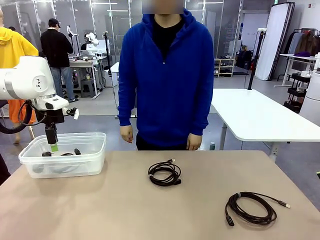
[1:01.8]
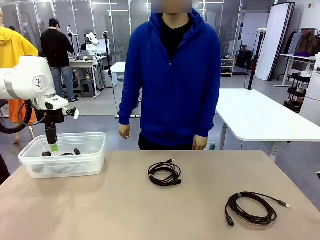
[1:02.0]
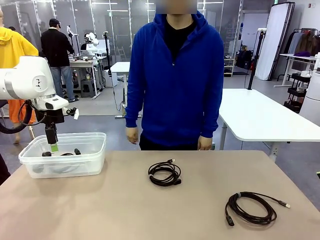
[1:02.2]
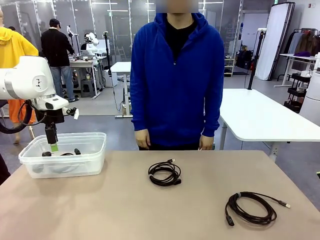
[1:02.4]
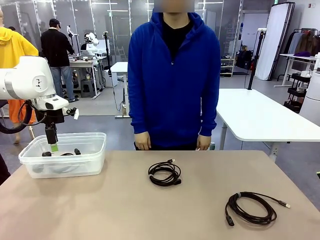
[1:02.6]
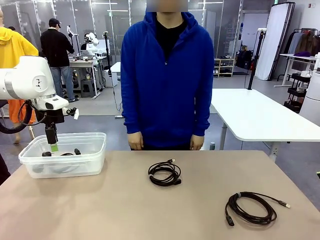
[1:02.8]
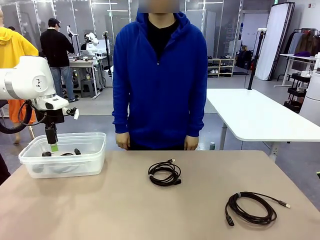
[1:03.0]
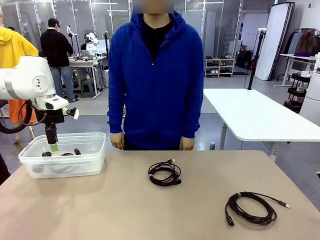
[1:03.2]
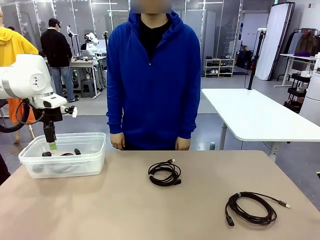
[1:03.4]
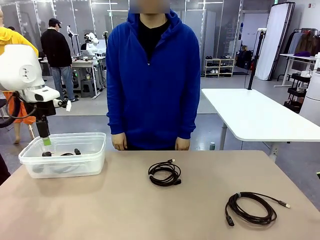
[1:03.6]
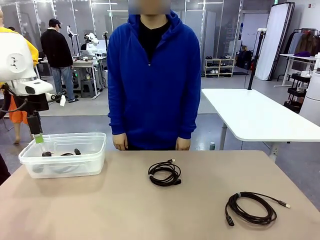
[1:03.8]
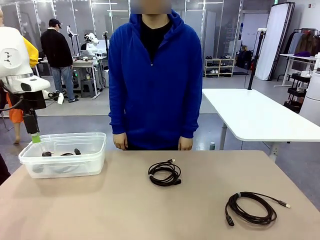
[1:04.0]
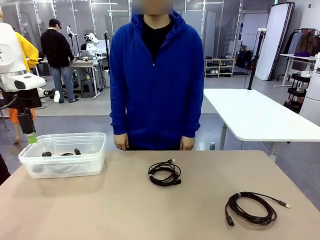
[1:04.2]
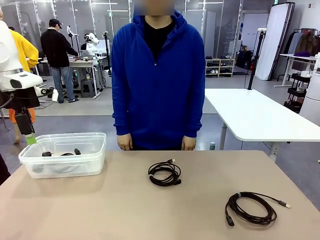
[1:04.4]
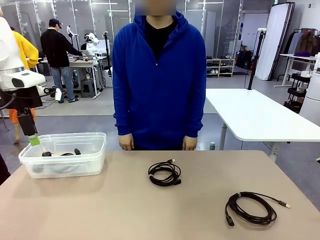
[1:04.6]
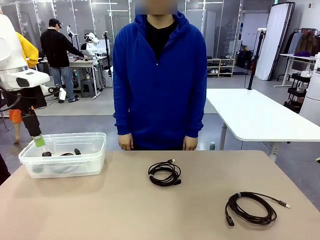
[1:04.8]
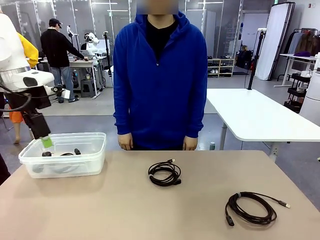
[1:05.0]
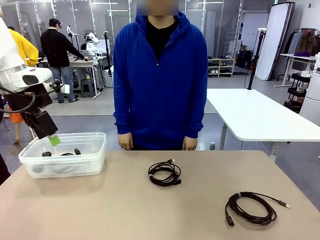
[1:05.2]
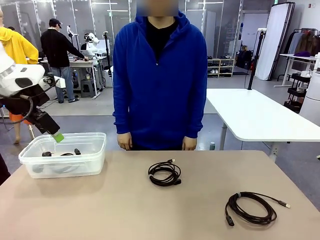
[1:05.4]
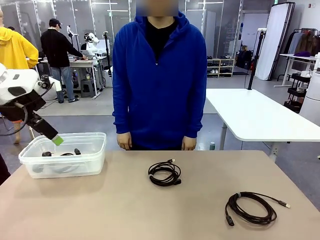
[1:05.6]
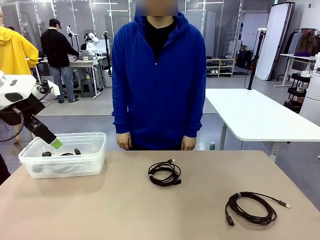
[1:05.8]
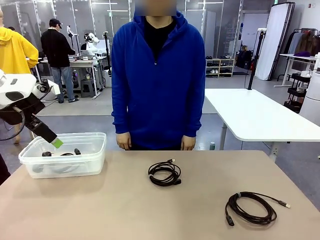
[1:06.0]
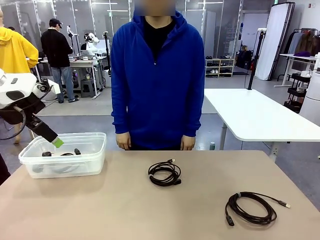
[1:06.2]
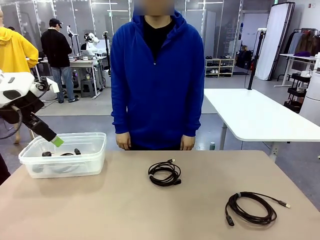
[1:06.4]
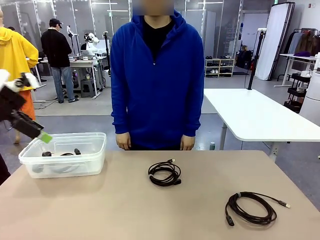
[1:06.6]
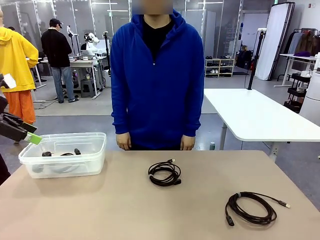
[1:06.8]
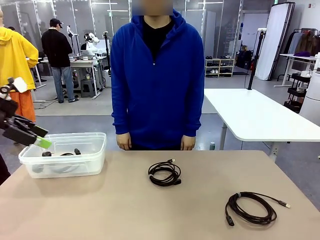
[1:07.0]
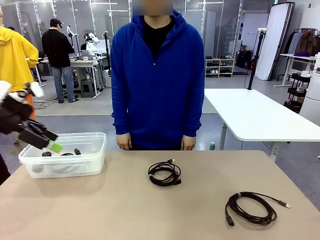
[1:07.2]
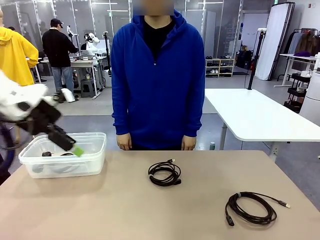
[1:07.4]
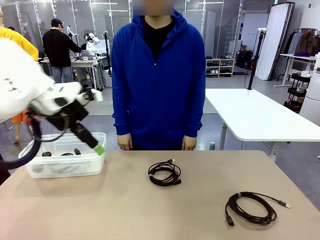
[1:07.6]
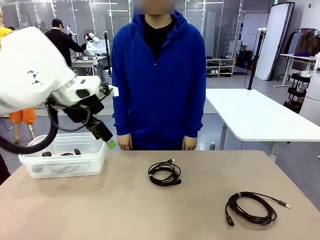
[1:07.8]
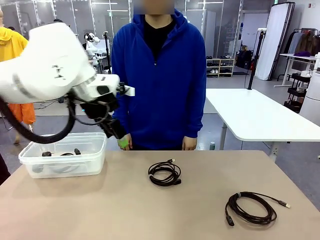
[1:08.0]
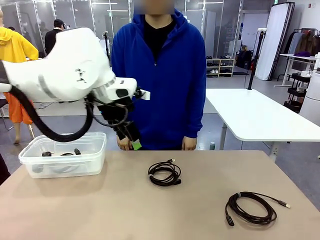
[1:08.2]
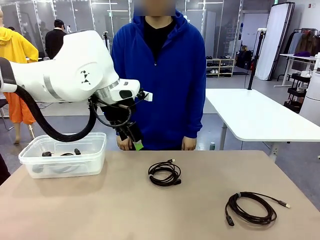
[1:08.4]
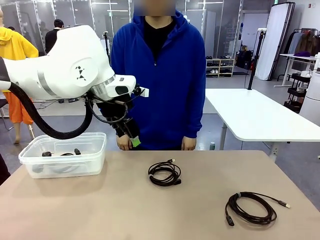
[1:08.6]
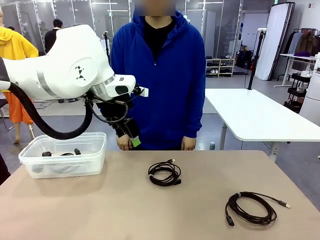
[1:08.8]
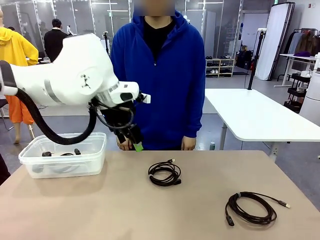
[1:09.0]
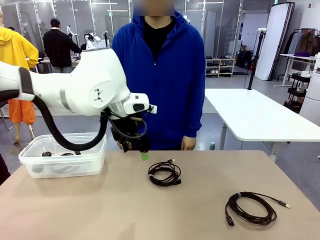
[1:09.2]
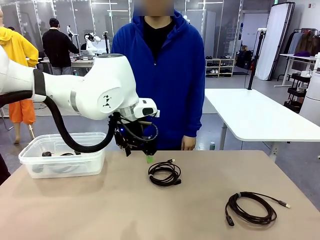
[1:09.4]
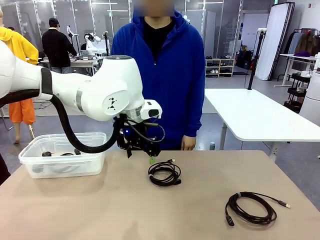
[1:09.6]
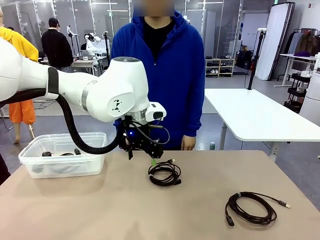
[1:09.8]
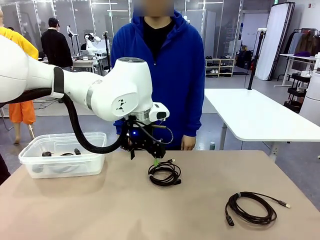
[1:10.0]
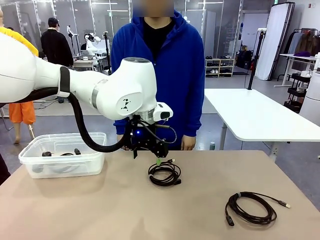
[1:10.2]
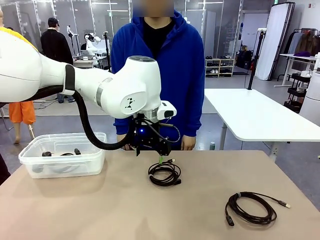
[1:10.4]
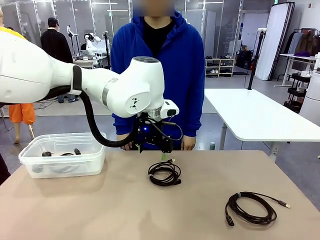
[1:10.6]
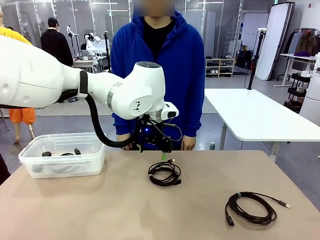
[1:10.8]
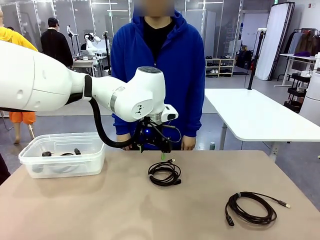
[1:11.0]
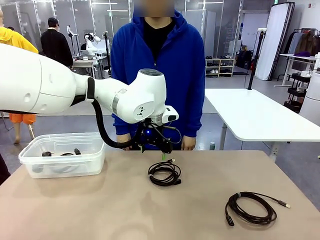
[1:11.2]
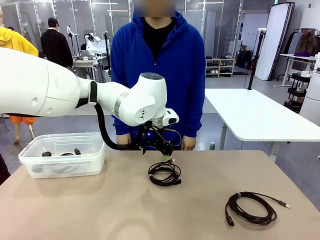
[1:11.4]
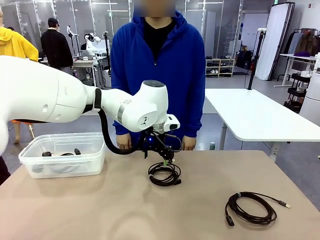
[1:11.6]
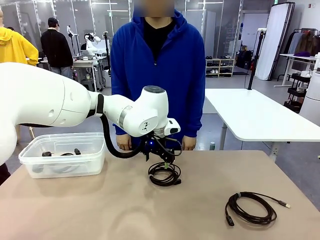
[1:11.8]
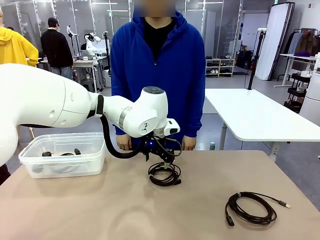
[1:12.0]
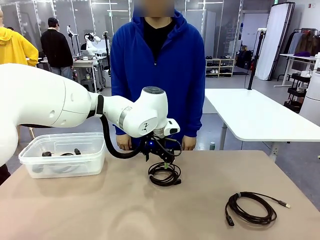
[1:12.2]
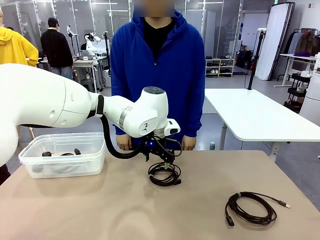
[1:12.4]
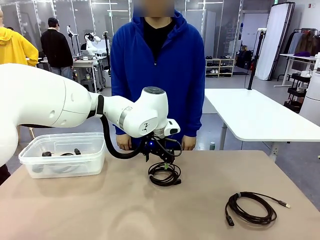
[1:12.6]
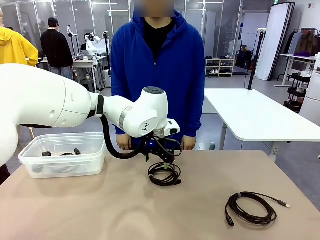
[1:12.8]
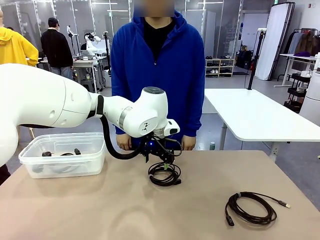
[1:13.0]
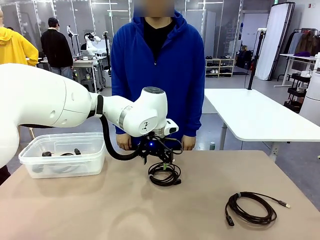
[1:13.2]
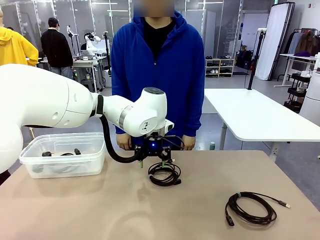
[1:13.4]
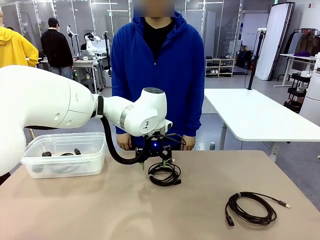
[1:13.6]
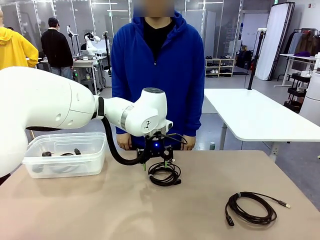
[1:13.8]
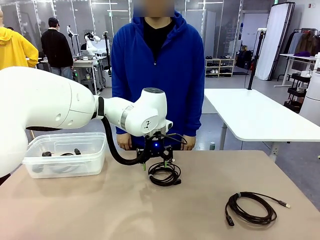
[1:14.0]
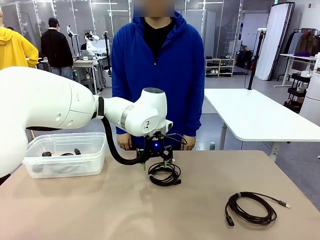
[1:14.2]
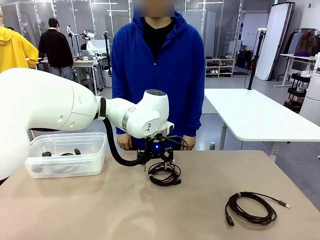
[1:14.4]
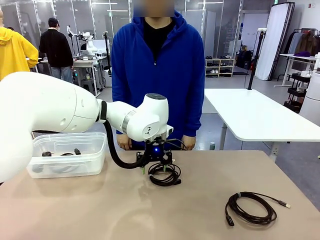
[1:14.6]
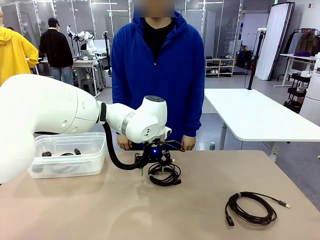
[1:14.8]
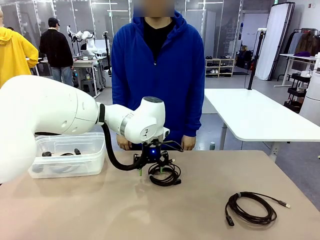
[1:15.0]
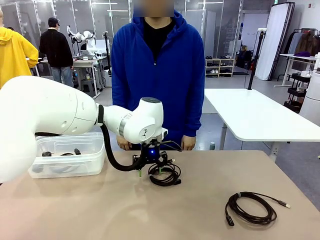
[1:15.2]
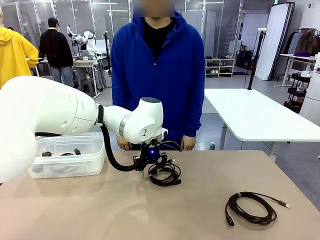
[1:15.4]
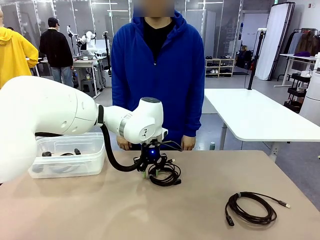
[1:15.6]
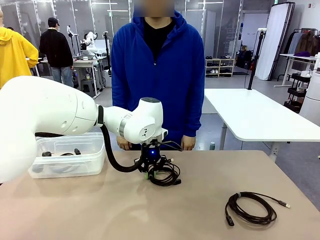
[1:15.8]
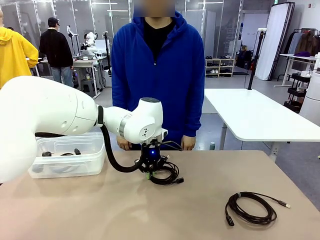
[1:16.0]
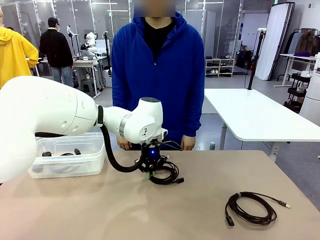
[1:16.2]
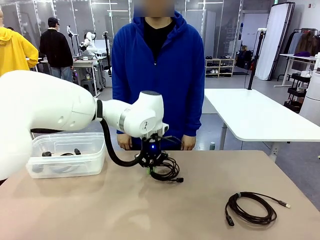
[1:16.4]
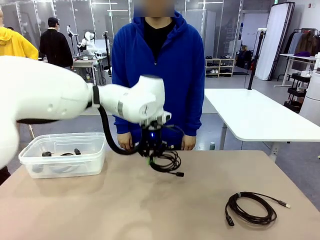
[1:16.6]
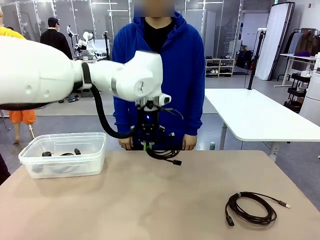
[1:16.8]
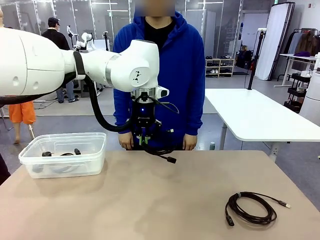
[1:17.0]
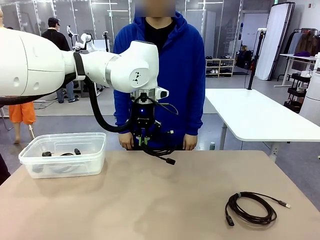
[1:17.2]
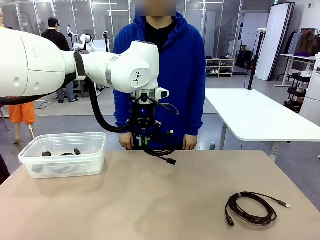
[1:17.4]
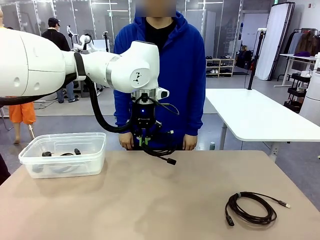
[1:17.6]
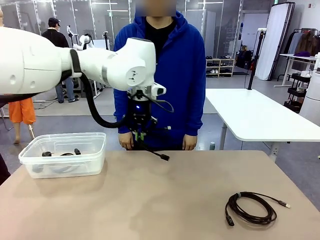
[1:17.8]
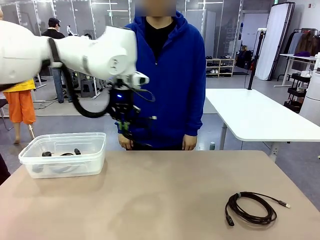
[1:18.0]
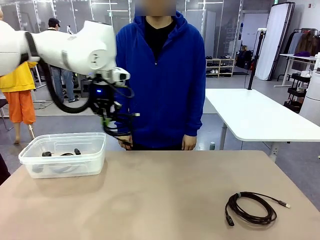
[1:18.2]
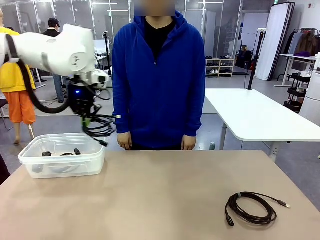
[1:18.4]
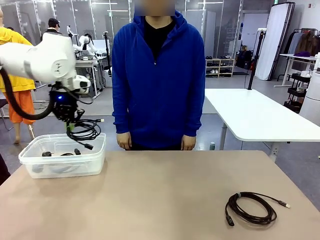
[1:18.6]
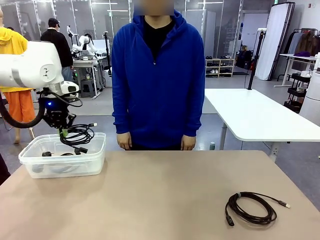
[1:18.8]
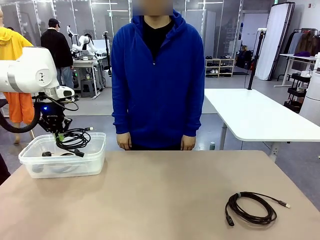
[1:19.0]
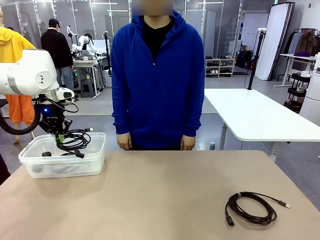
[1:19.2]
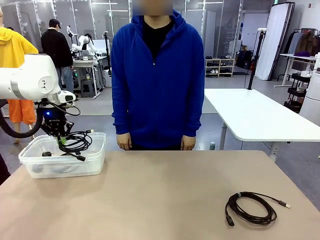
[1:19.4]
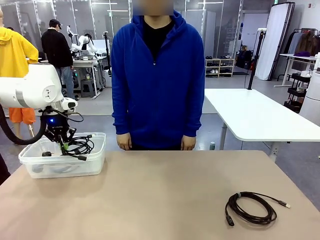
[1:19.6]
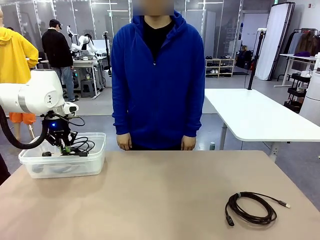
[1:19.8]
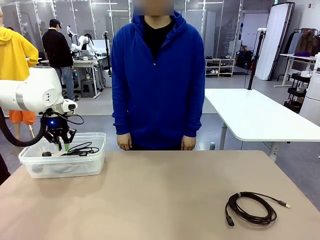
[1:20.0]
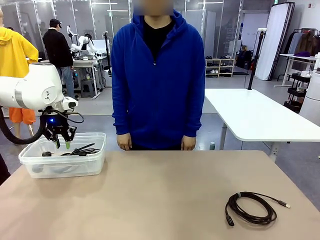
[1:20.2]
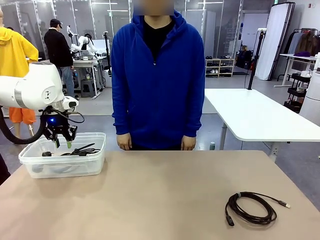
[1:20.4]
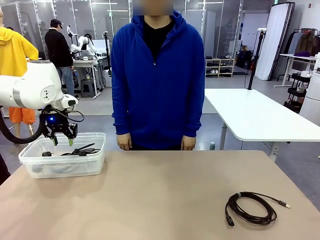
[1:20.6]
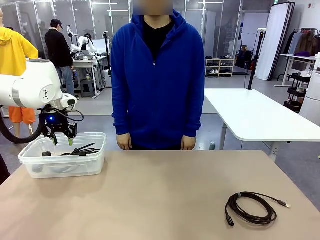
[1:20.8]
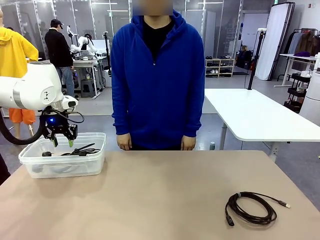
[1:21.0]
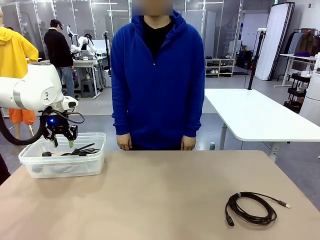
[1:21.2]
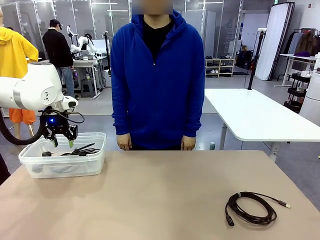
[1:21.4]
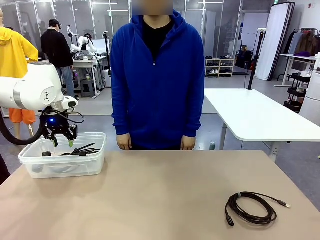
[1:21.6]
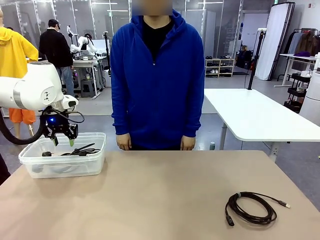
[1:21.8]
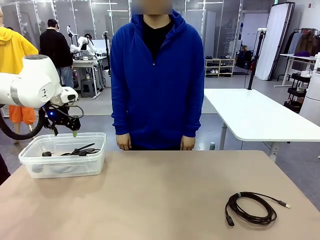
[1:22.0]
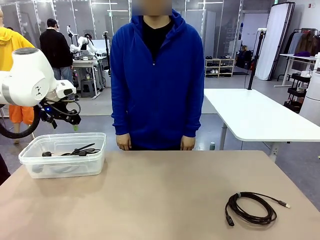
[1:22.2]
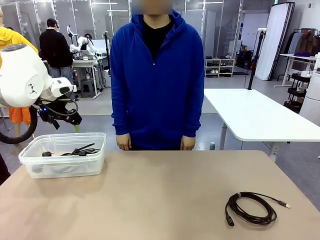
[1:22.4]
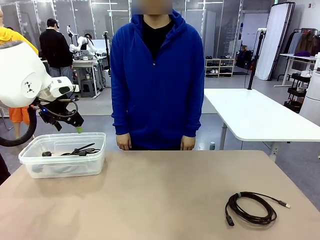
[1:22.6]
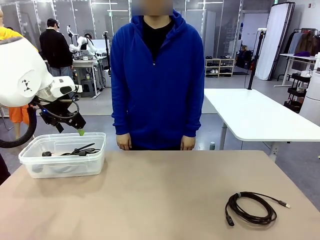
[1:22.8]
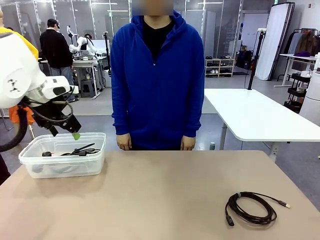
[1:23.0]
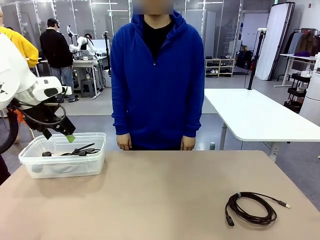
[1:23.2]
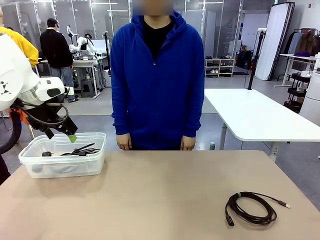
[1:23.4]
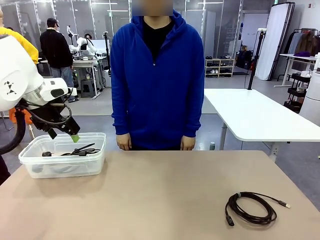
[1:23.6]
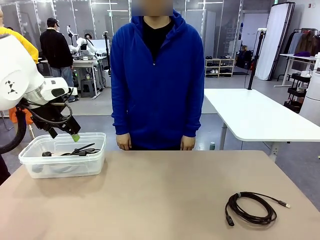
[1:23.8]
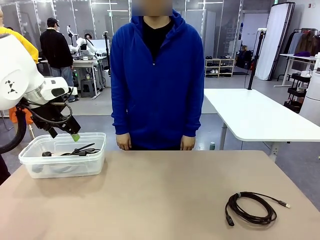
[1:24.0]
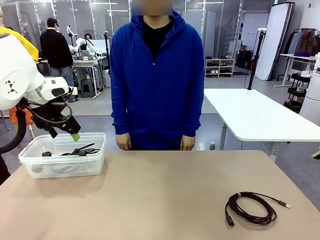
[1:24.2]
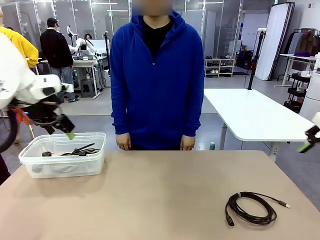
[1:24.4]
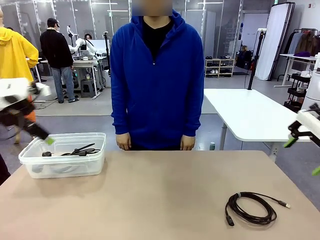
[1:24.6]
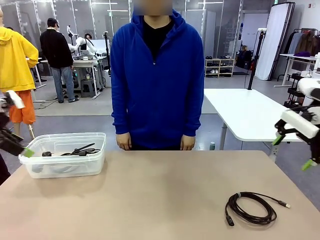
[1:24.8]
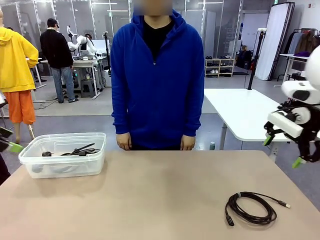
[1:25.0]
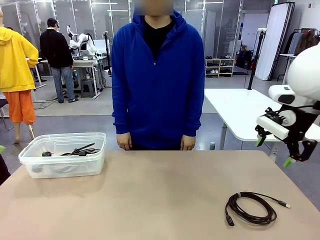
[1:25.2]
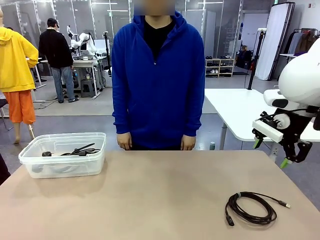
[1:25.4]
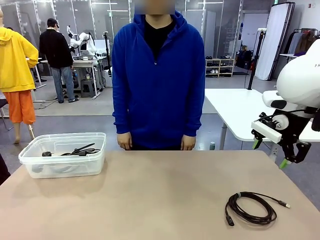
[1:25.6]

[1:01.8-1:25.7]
Task: Organize and store the cables.
Robot: Place the USB Extension Cable into the Organizing box.
